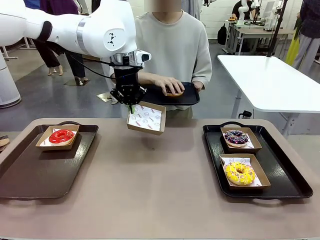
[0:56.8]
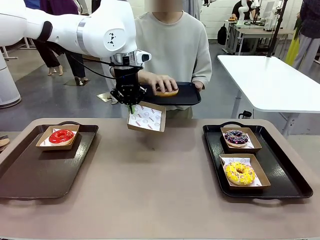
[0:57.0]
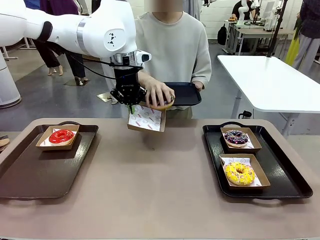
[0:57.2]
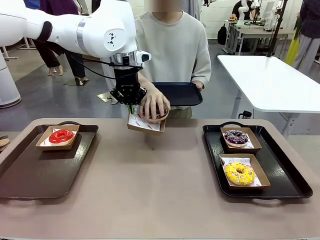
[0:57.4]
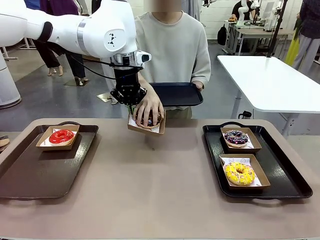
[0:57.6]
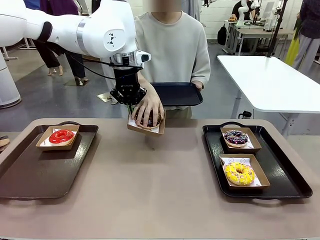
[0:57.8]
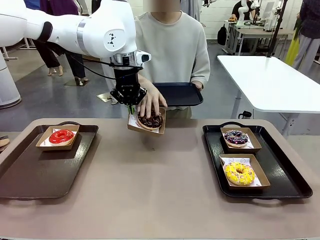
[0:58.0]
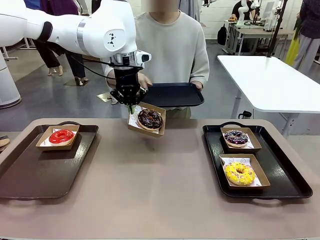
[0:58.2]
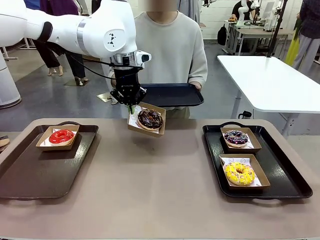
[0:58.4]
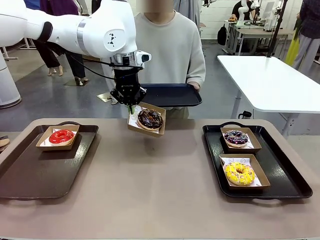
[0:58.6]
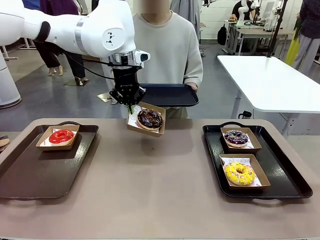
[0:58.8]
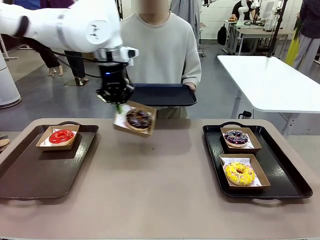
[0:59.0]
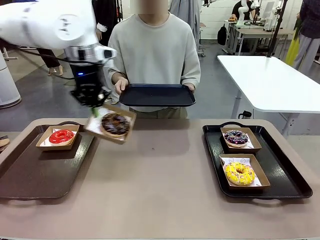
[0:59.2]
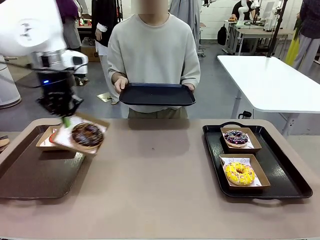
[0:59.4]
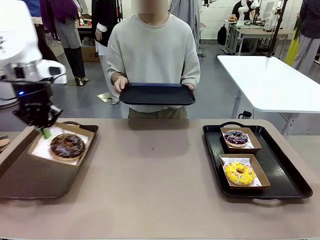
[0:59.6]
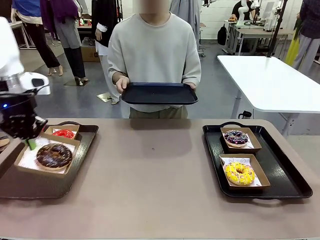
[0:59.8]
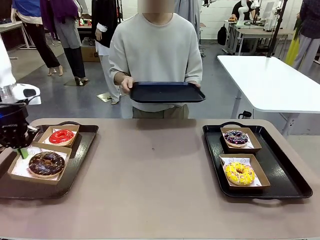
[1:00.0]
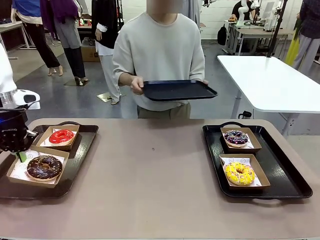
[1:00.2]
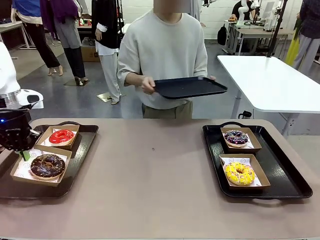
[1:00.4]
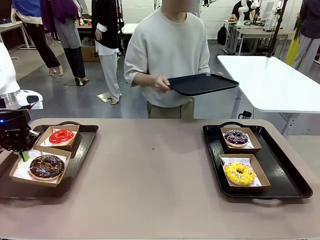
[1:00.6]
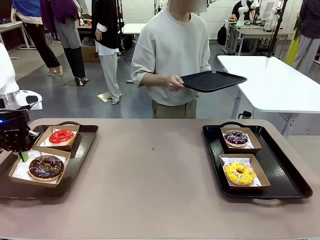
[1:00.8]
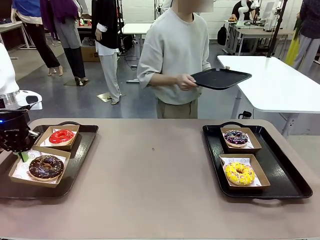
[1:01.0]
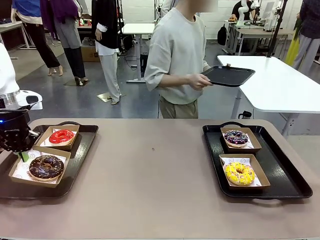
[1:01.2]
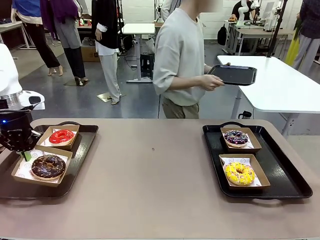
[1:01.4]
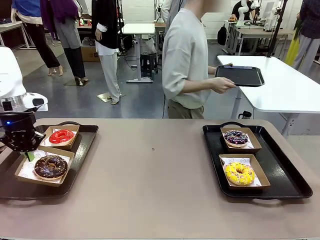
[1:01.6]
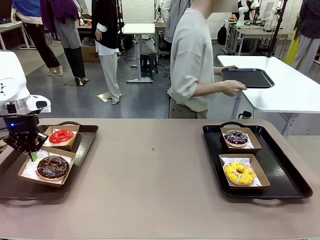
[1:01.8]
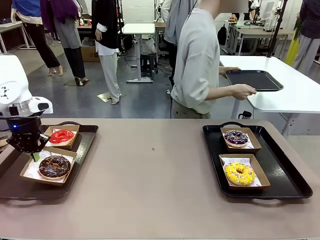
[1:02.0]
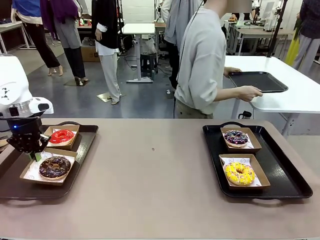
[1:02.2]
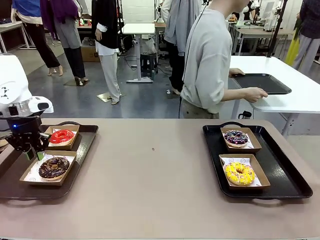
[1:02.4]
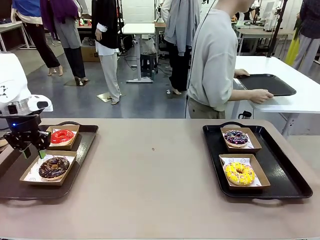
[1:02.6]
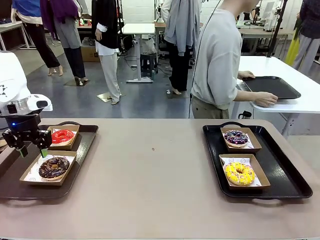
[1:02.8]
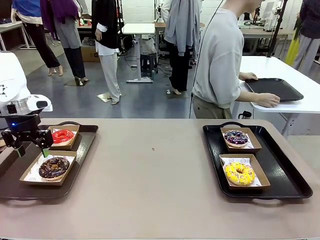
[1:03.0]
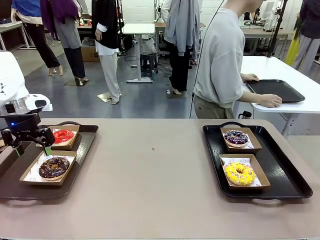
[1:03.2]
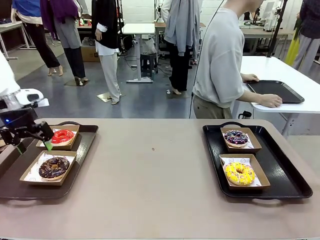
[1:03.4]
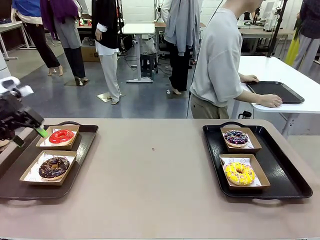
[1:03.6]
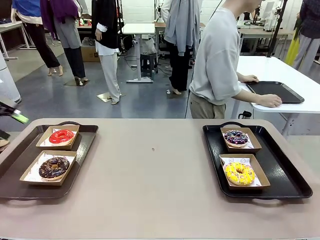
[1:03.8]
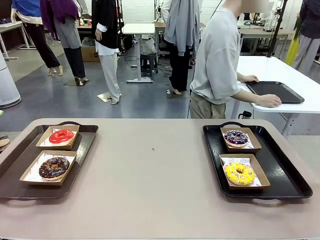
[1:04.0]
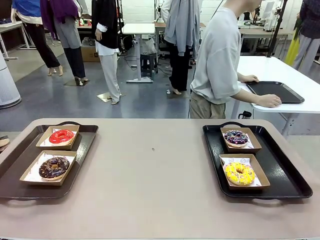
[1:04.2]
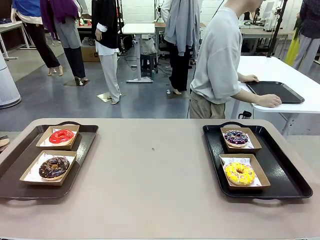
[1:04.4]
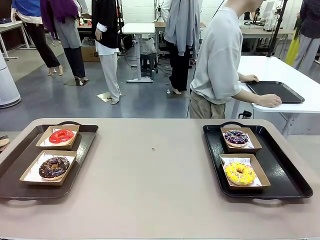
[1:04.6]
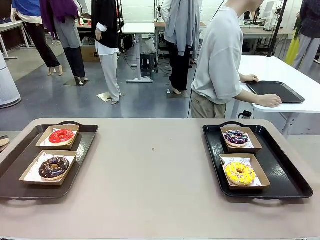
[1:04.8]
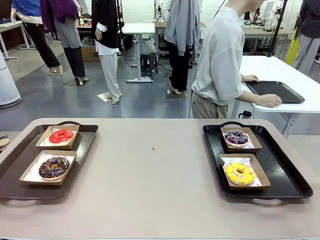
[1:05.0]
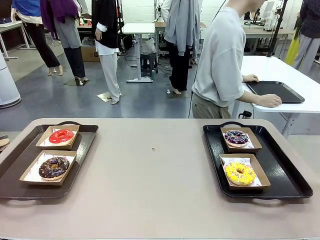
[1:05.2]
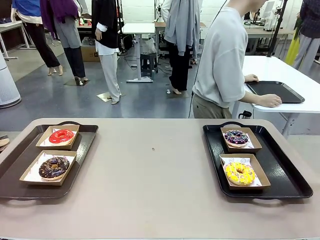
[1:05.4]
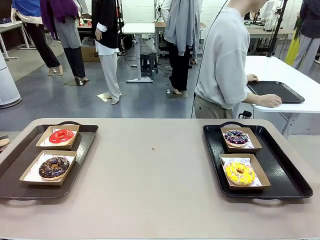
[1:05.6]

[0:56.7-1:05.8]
Task: Individually package the donuts and arrange them on the tray.
Robot: Place the picked Paper togo box on the Handle tray.
Person: Place the tray down in the middle of the human table.

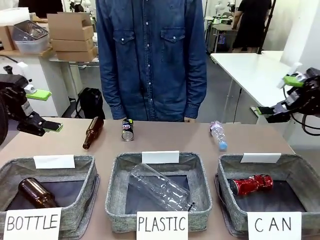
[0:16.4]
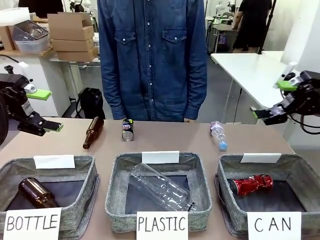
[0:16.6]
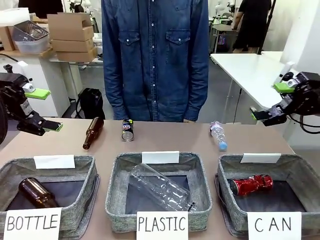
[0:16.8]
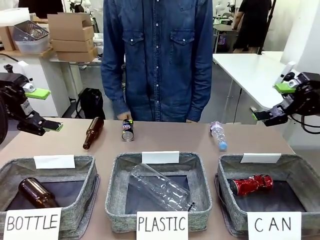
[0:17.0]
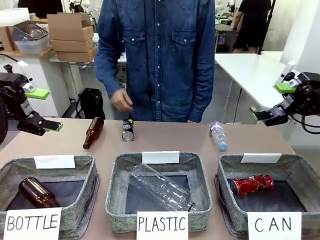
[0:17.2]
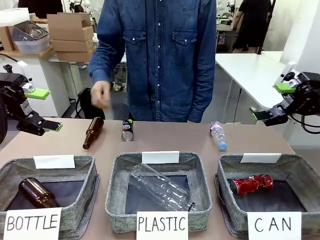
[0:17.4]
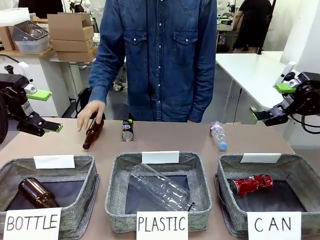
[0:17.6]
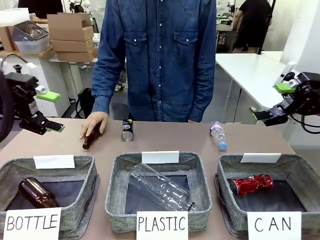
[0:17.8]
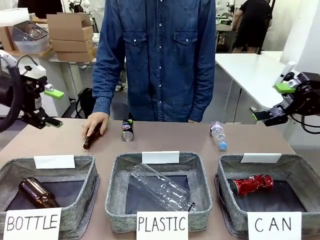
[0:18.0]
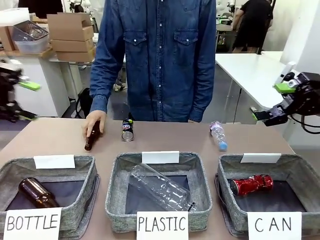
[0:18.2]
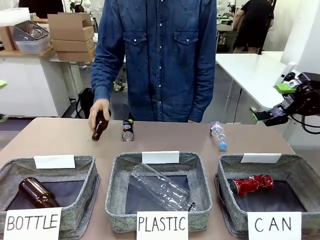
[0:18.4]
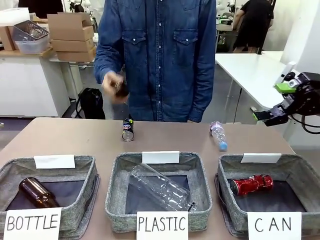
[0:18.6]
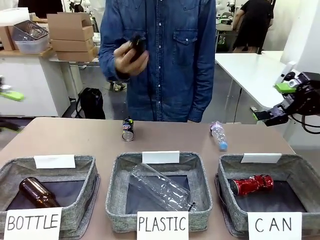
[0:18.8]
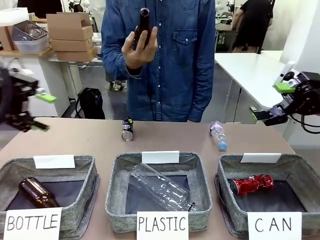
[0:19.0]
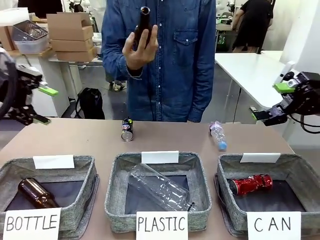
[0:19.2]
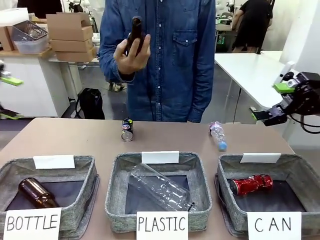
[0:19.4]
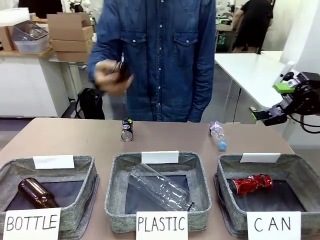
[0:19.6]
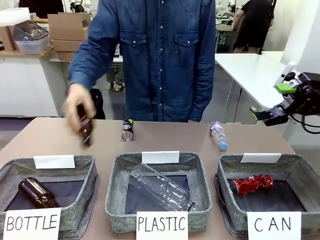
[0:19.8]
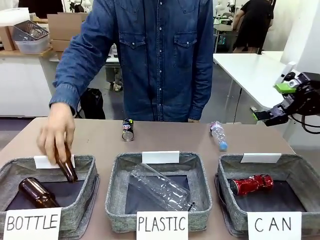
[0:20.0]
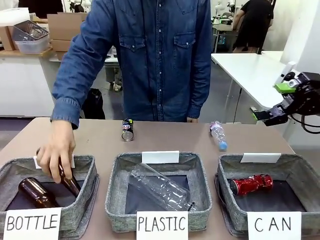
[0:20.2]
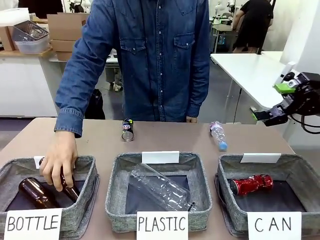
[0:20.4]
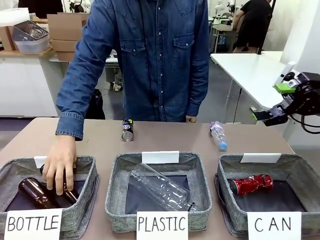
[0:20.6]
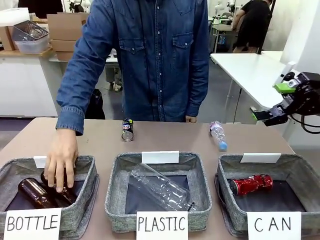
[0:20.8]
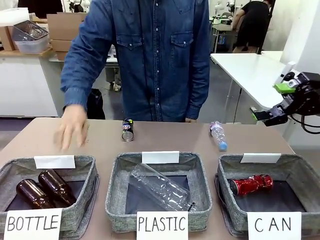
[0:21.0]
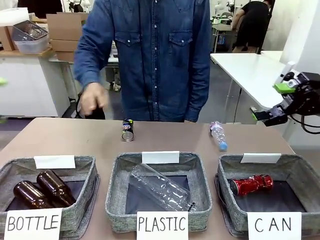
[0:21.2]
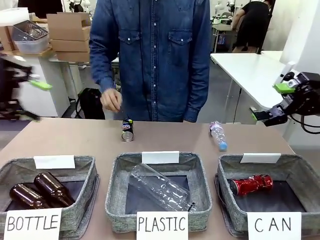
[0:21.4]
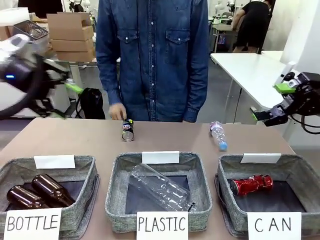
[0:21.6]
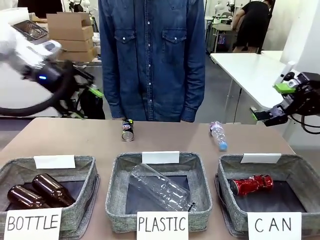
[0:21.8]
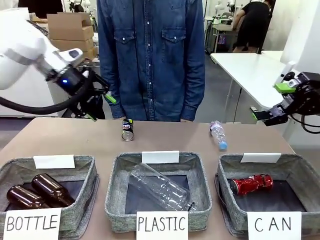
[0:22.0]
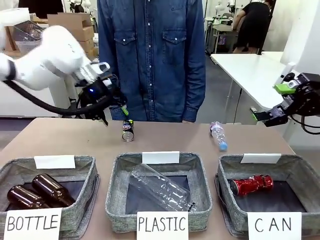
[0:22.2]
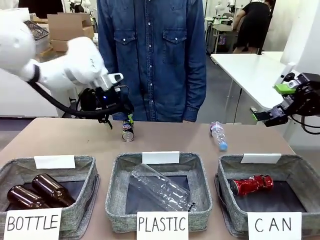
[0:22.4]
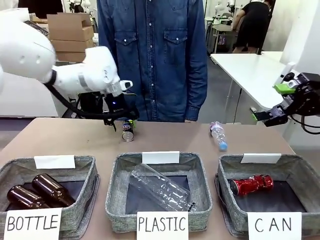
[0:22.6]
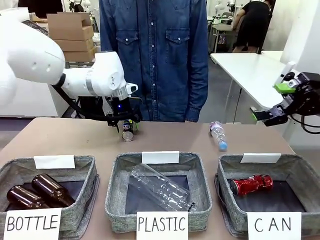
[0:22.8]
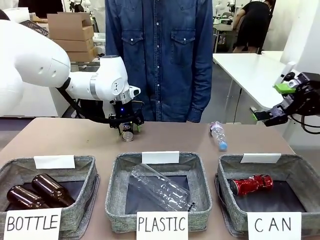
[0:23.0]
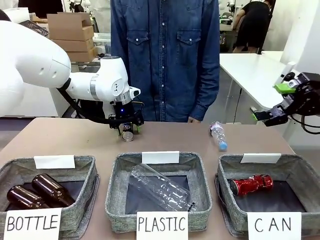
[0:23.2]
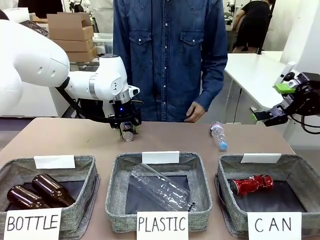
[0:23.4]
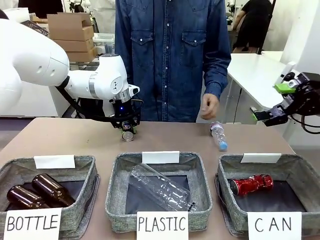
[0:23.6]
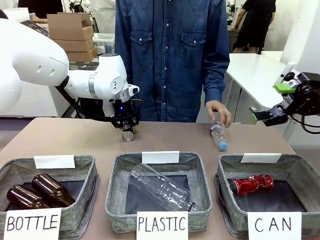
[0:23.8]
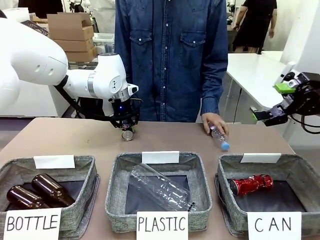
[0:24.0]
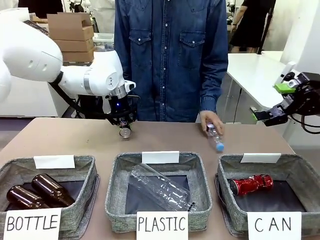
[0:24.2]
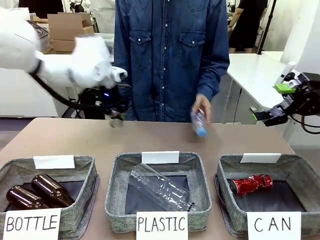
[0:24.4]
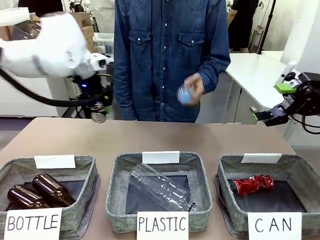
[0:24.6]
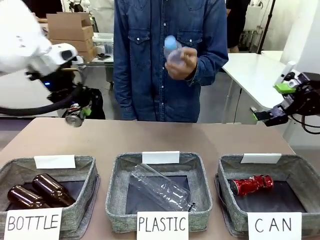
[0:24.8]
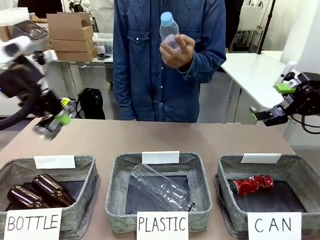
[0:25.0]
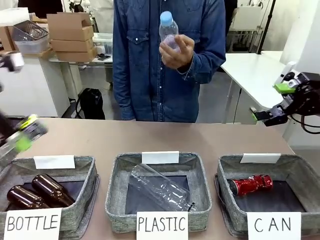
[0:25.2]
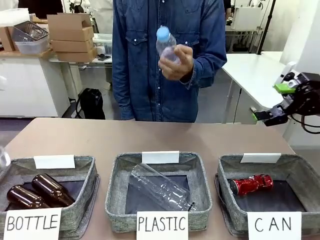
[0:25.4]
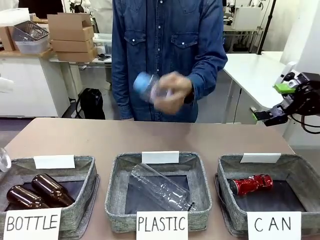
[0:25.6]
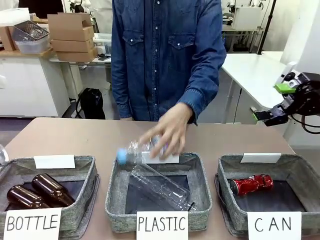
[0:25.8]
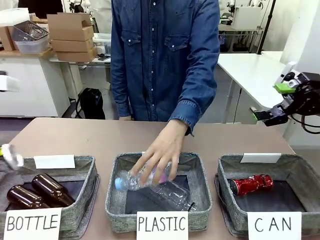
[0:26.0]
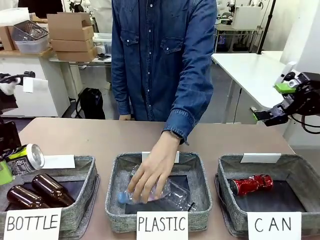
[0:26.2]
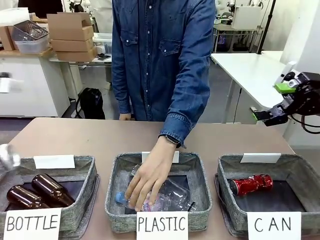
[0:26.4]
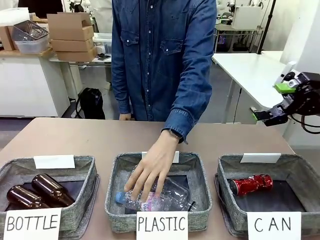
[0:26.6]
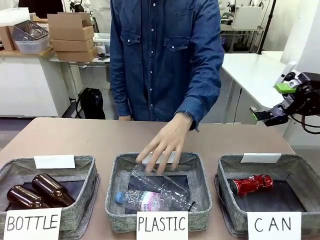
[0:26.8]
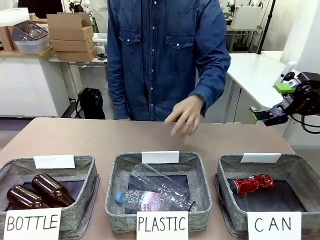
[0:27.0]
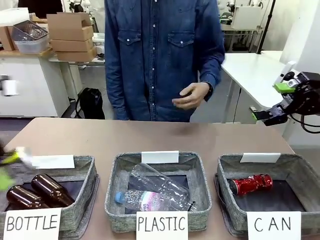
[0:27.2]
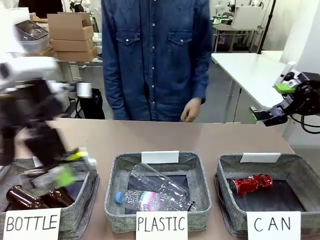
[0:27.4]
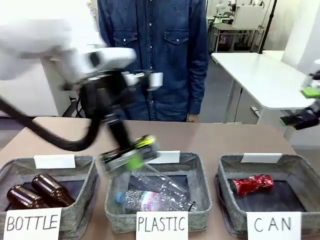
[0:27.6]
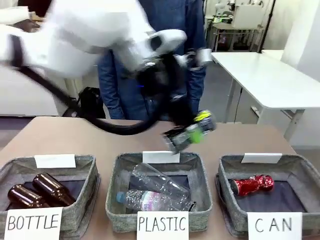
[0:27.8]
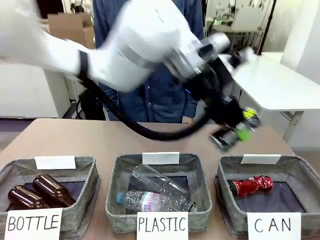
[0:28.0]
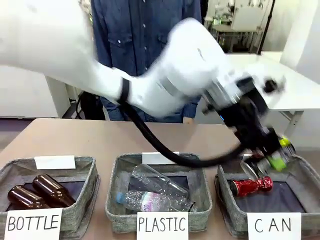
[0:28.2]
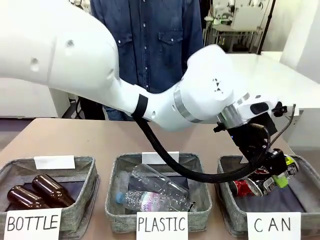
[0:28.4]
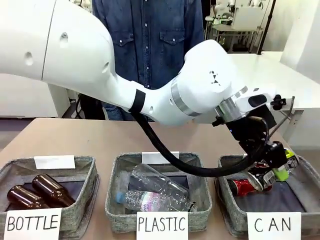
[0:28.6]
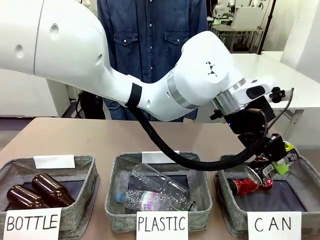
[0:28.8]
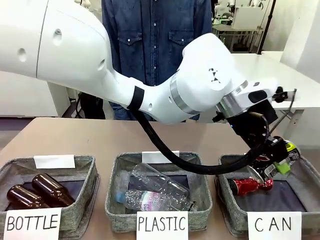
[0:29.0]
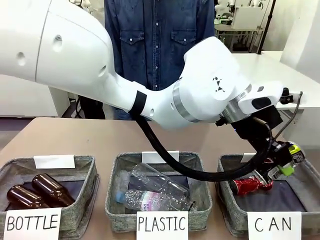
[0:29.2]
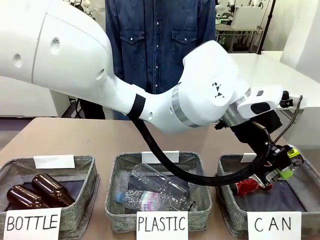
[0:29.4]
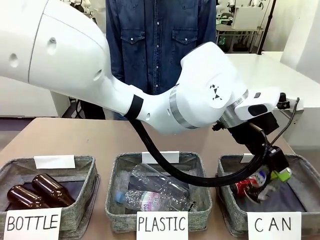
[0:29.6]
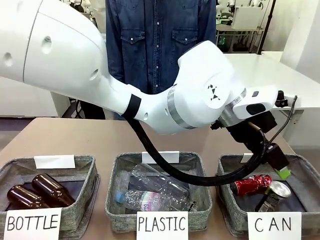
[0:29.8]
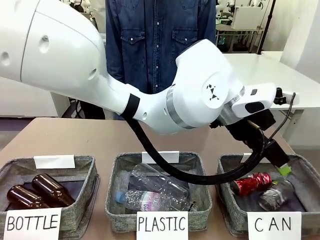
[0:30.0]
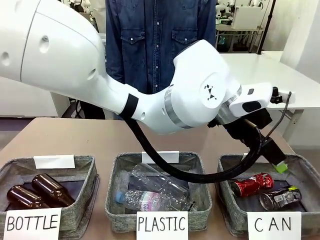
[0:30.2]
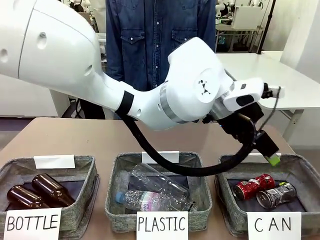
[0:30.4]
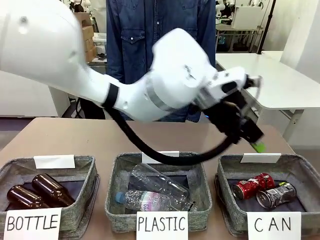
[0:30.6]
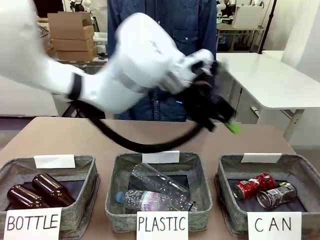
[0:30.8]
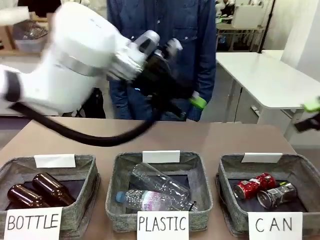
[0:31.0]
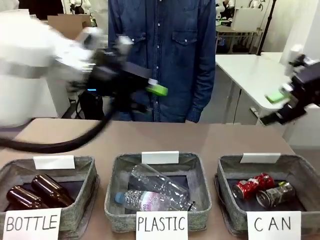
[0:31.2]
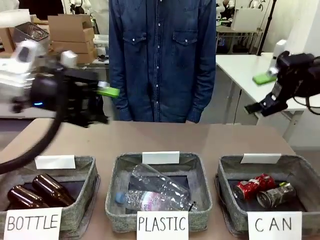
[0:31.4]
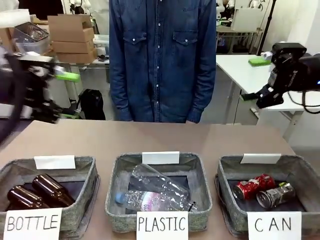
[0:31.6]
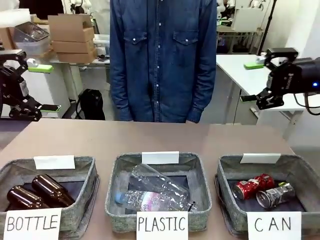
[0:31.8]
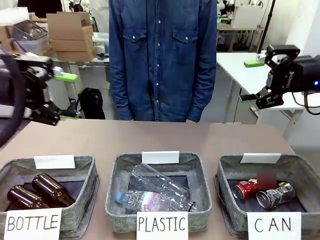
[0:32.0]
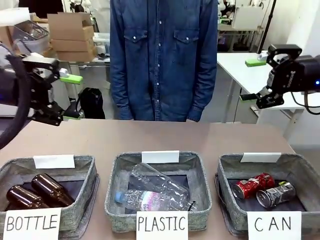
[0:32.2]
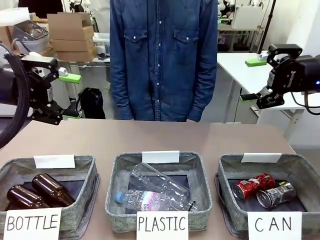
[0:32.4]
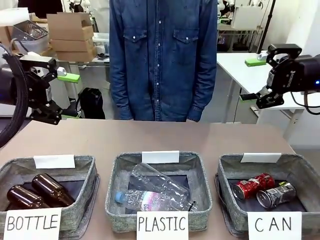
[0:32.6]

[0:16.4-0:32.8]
Task: Sort the can waste into the basket.
Robot: Pick up the can waste from the table and place it in the right Fabric basket.
